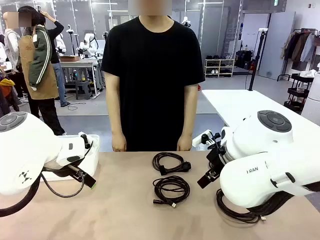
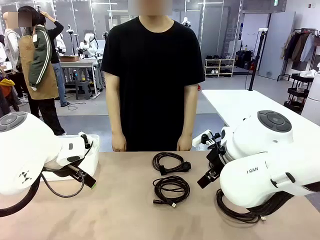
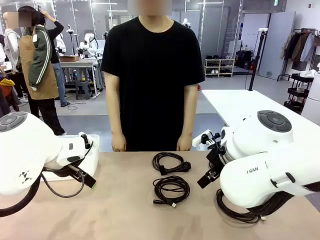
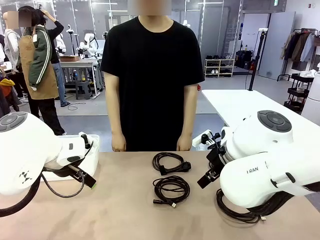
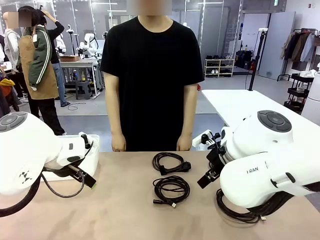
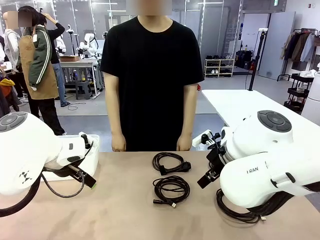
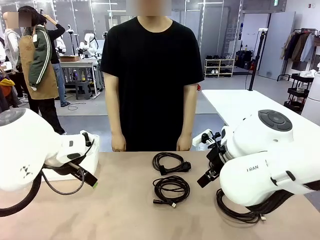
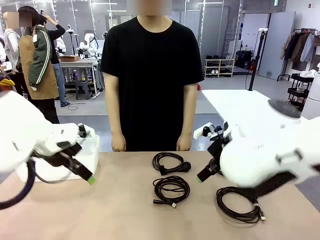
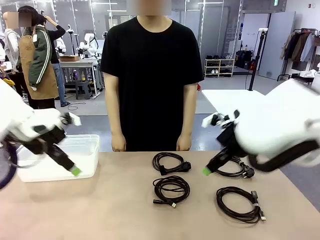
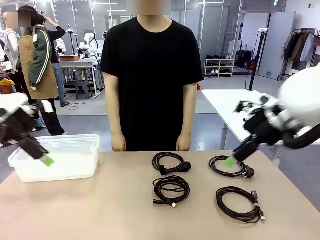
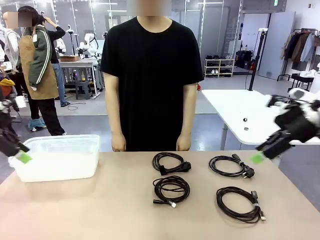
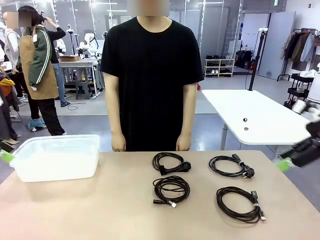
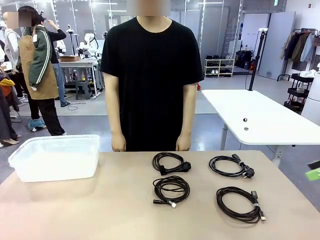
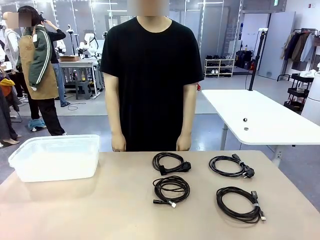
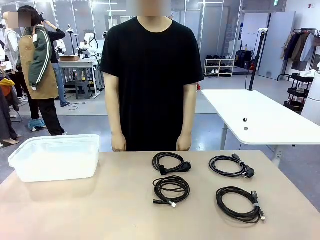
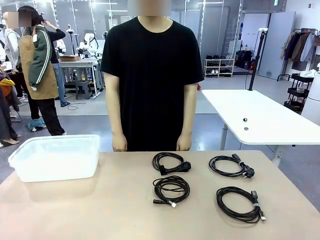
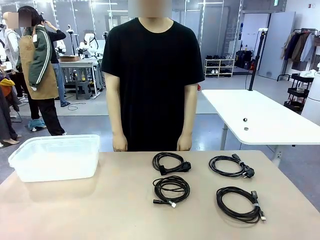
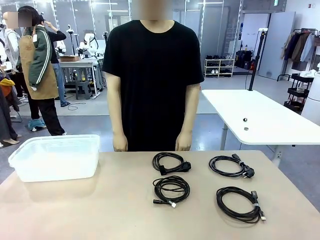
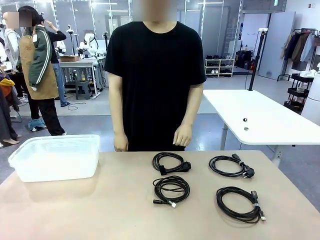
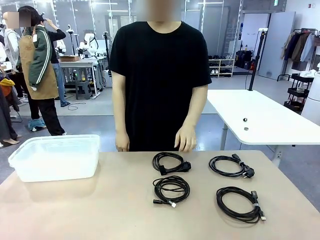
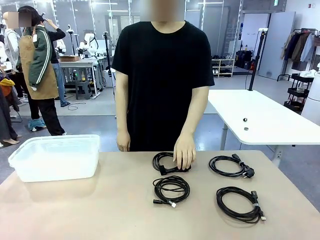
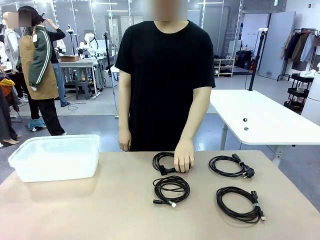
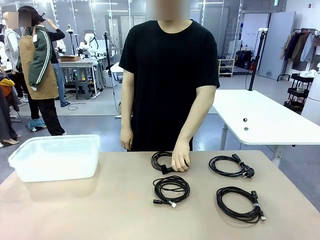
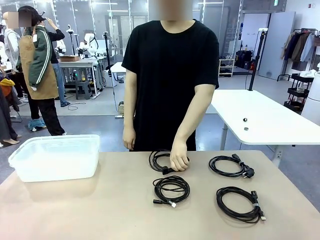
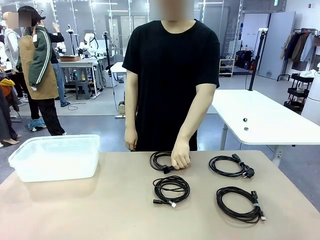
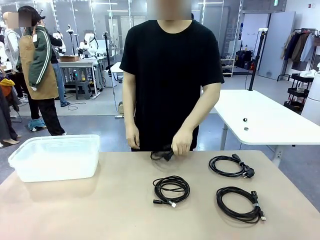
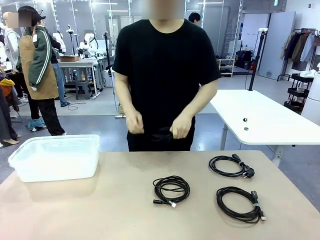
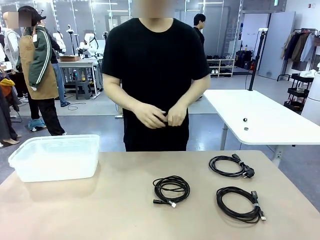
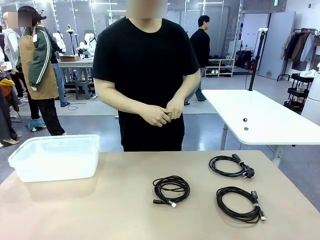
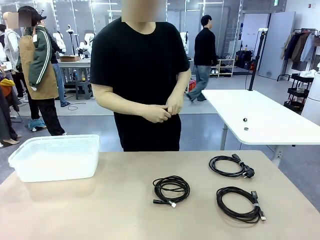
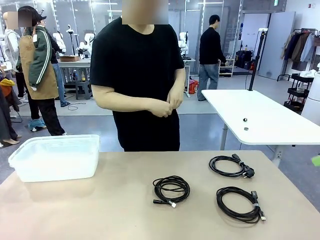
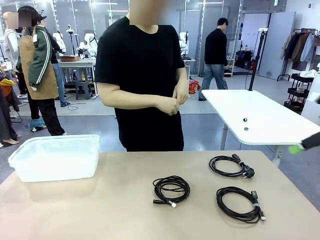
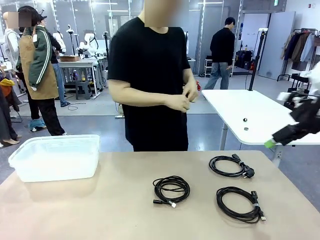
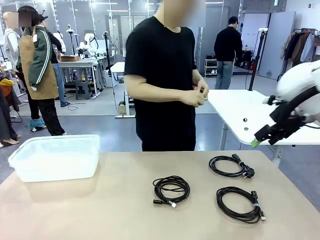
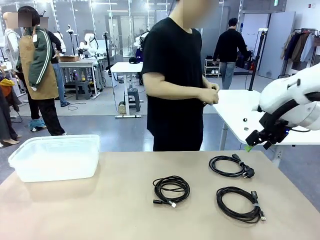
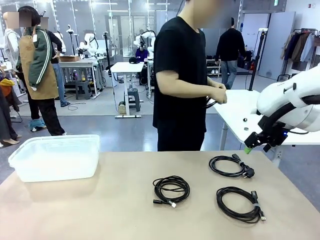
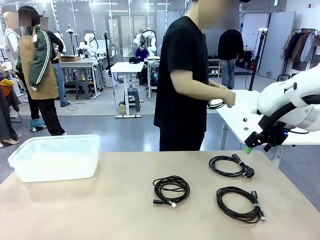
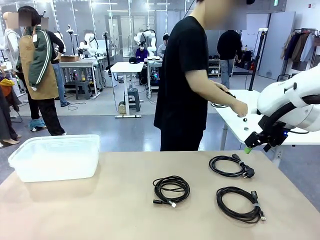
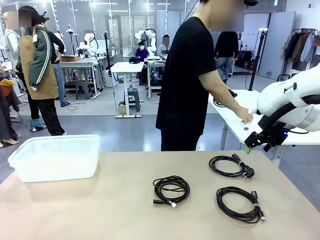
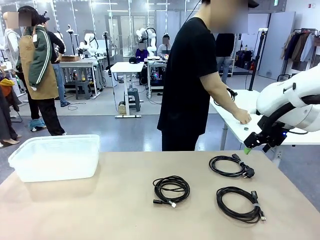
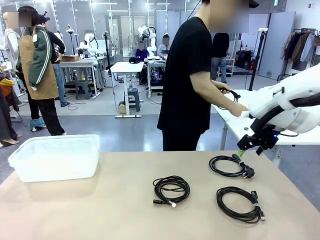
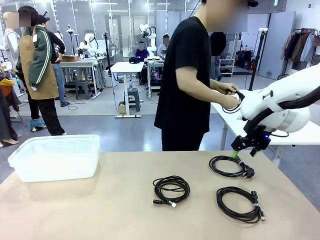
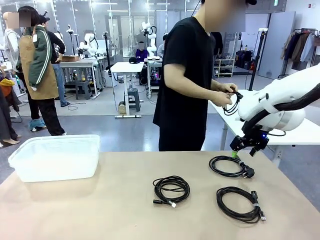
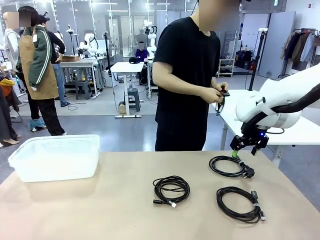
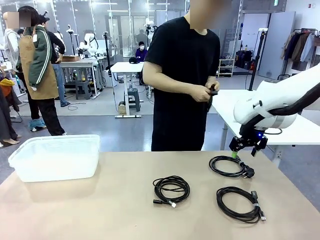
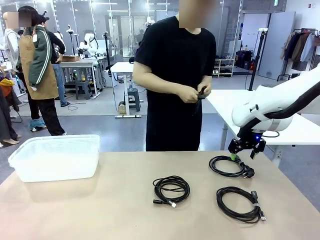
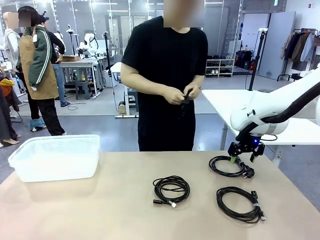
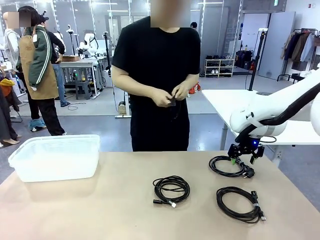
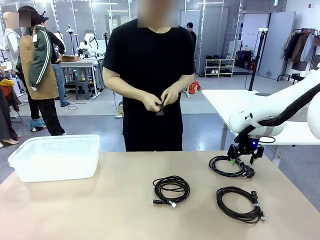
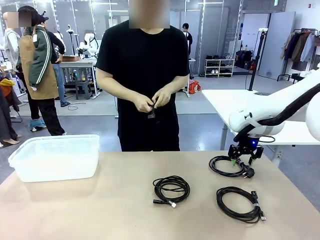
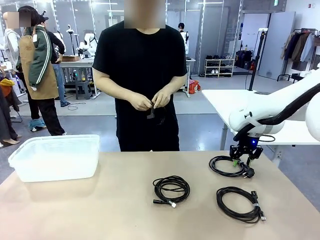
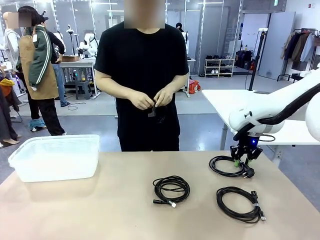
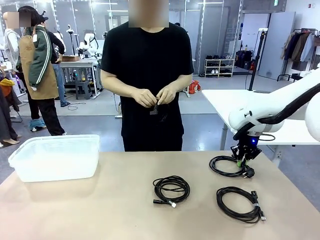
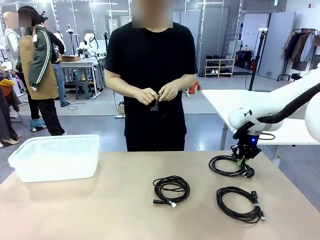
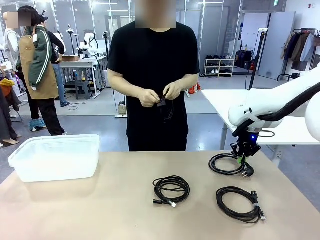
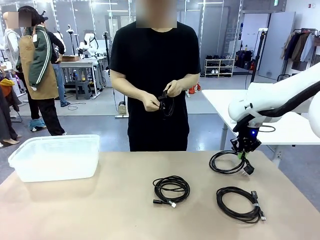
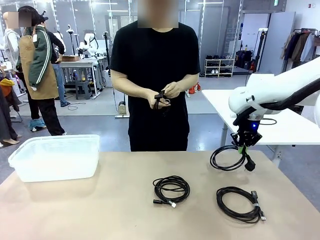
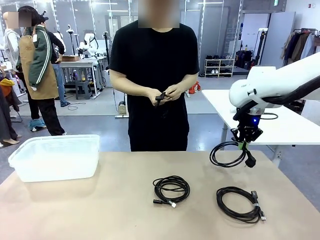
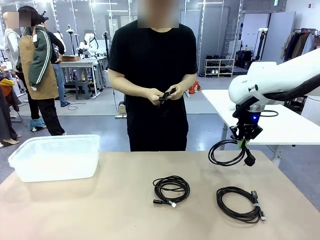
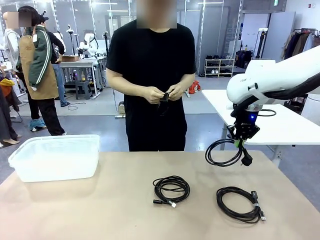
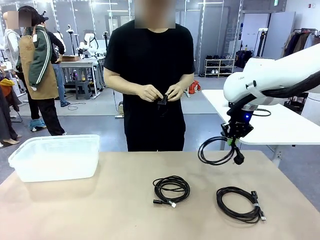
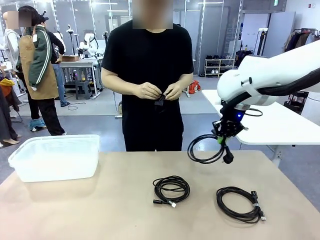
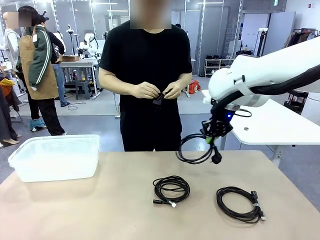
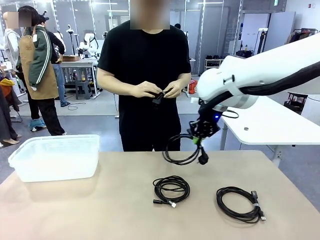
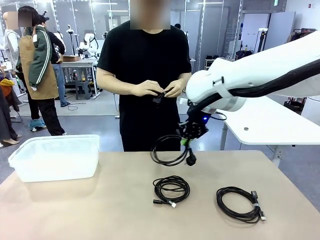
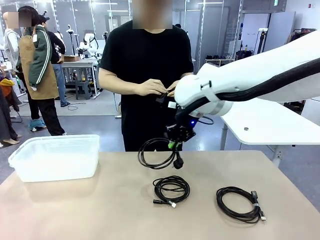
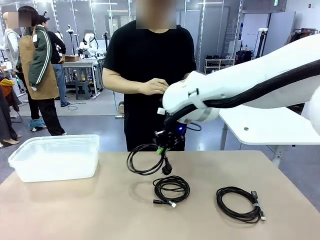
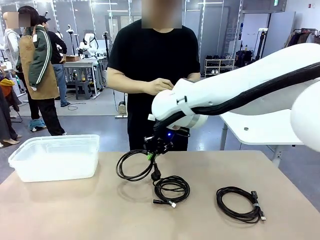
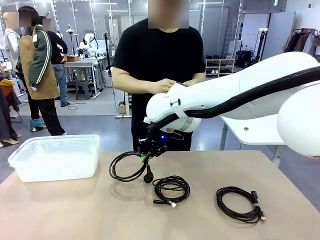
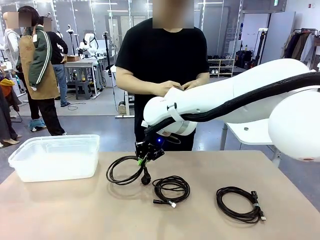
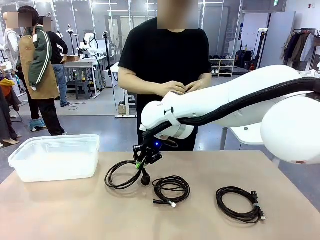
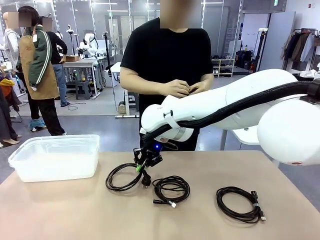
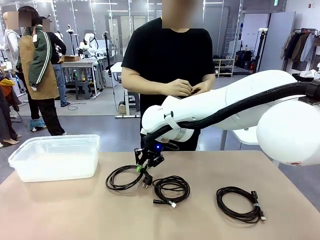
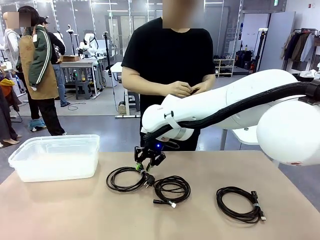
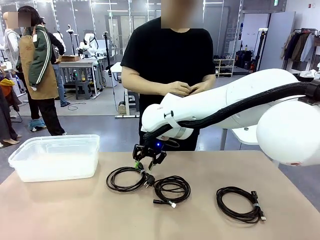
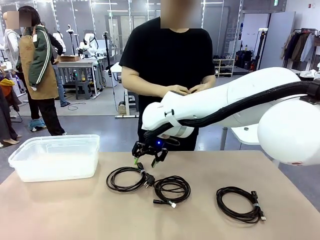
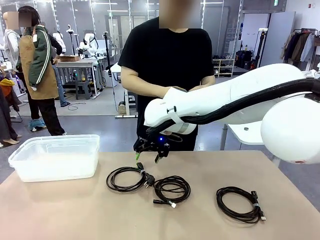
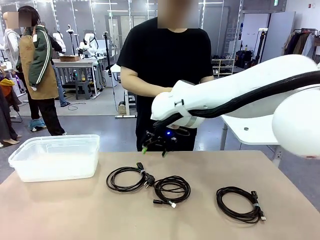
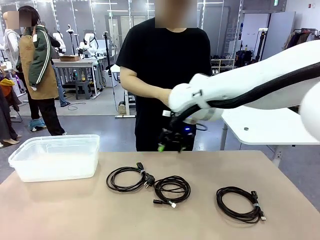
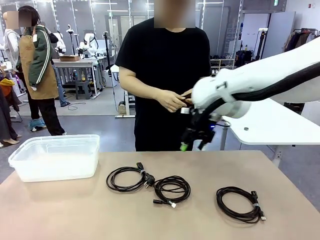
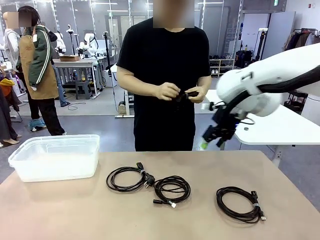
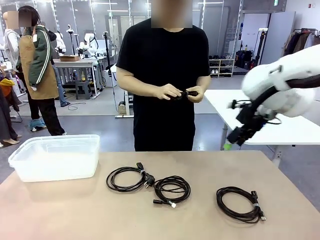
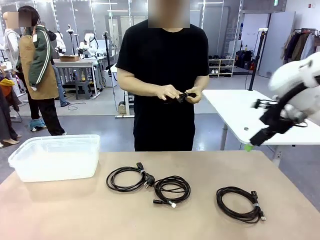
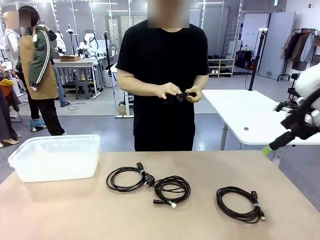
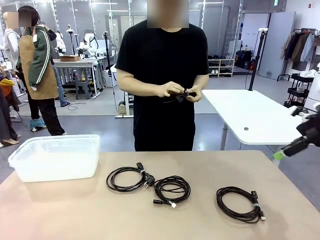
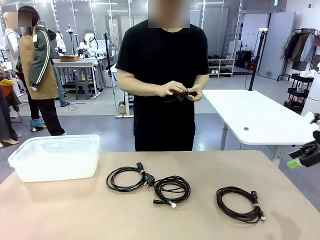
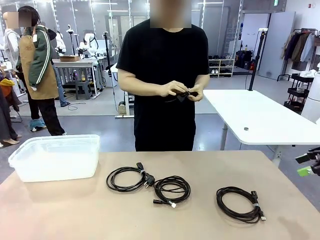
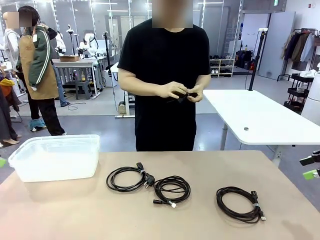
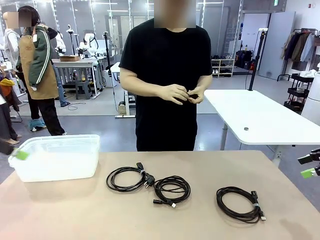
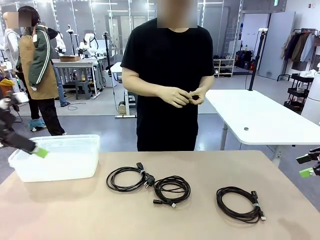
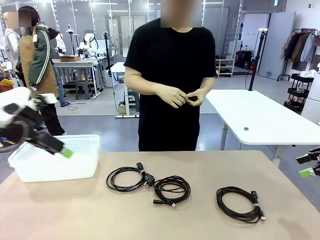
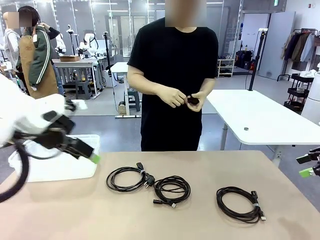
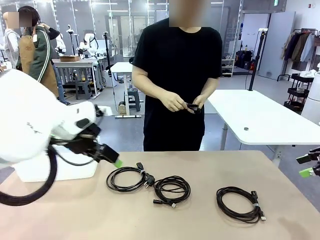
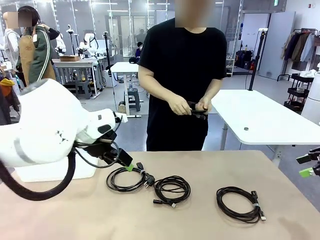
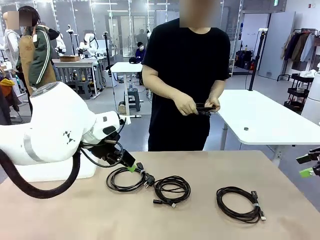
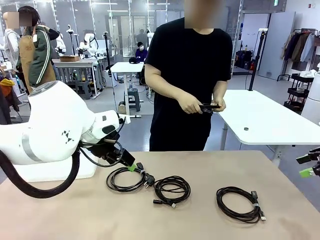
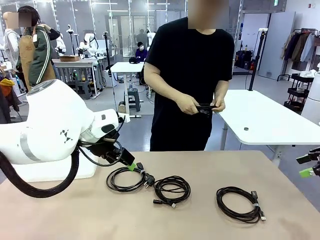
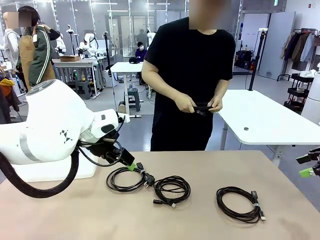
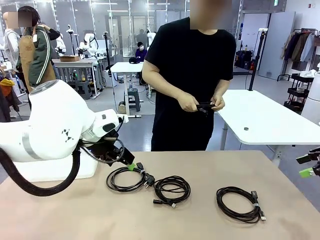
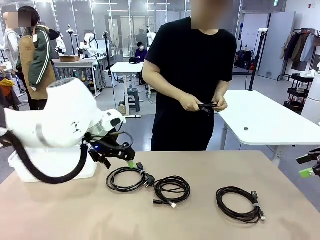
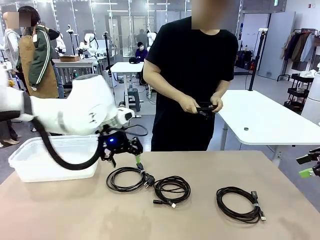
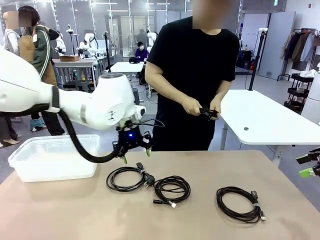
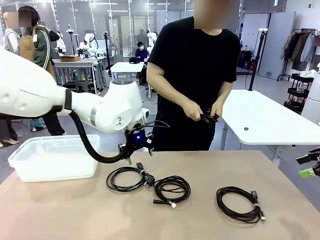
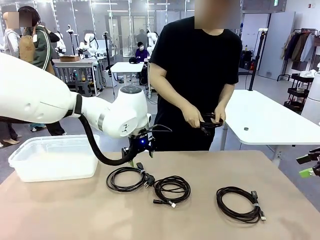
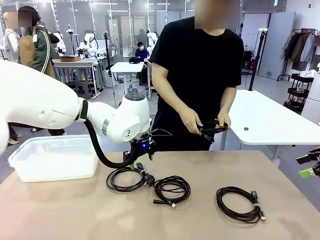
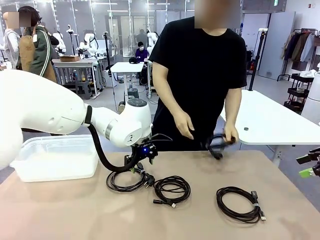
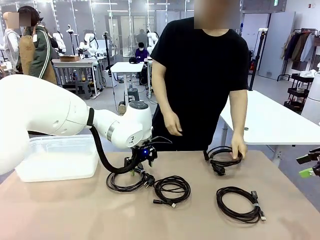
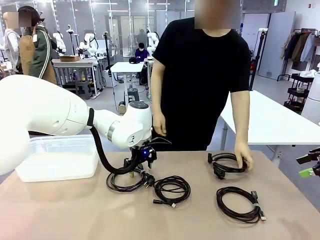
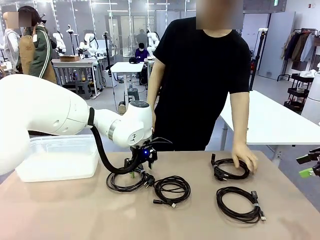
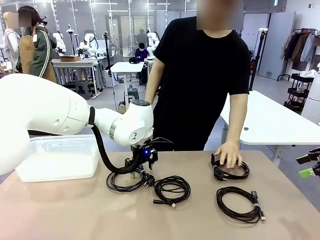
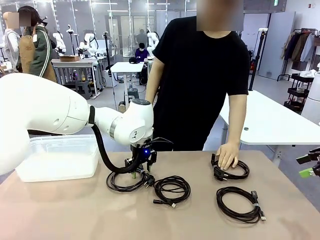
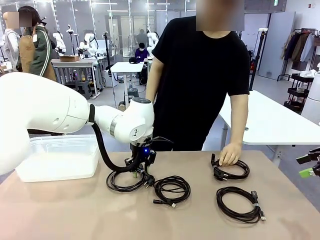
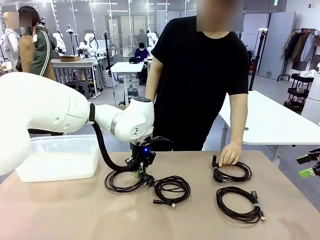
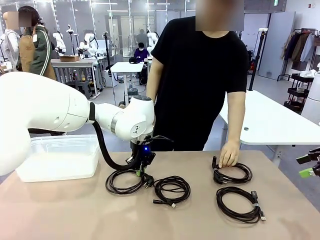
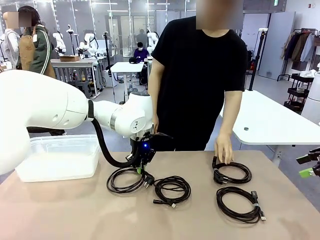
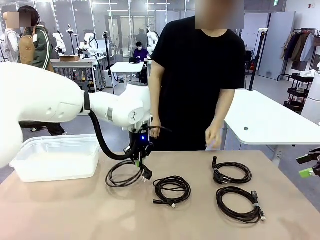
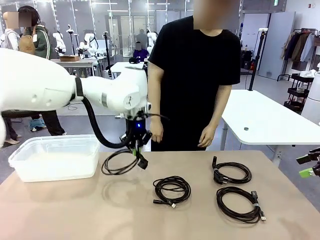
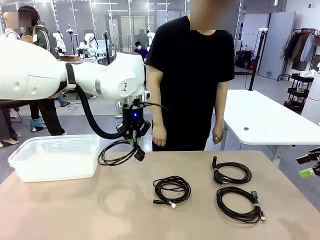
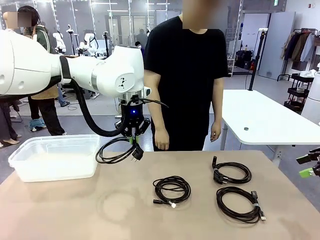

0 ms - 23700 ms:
Task: Organize and store the cables.
Robot: Place the Power Cable into the Organizing box.
Person: Tie one Power Cable with a Reusable Cable Tie.
